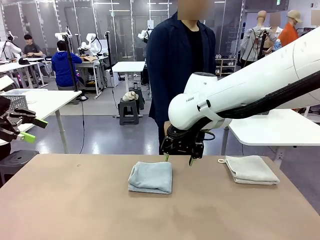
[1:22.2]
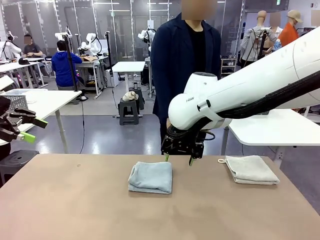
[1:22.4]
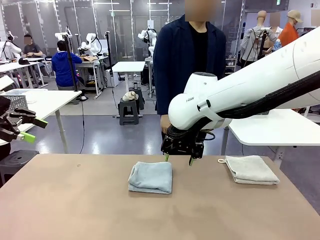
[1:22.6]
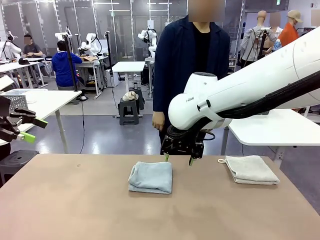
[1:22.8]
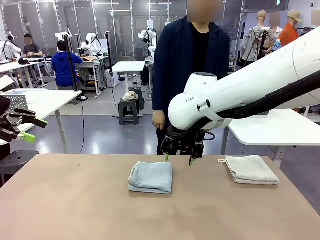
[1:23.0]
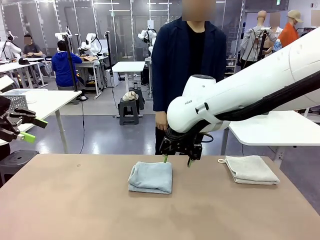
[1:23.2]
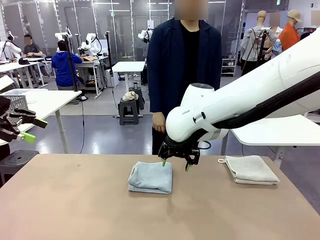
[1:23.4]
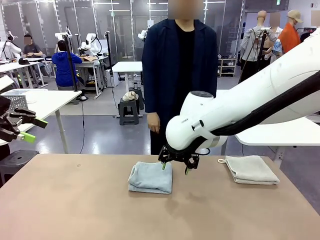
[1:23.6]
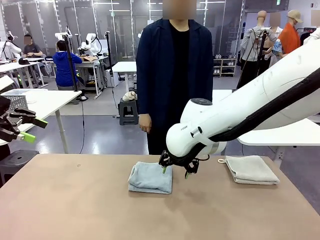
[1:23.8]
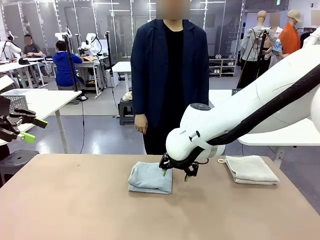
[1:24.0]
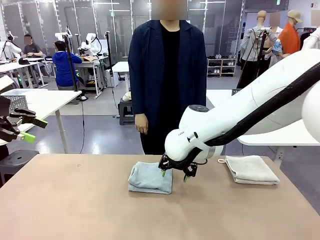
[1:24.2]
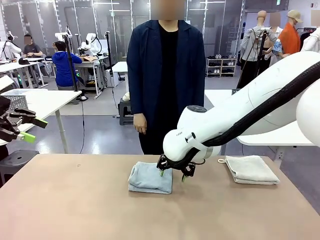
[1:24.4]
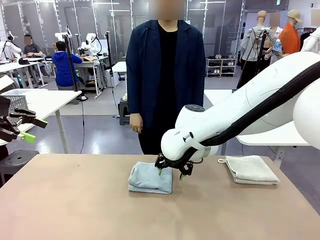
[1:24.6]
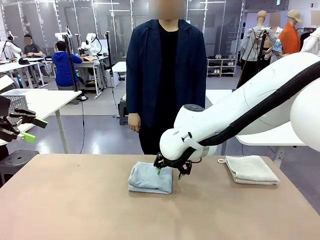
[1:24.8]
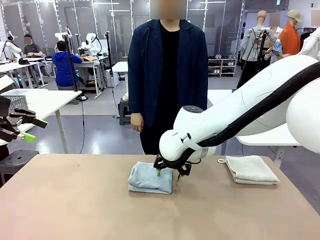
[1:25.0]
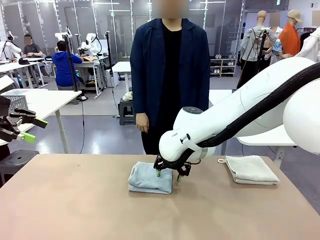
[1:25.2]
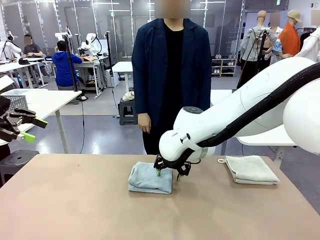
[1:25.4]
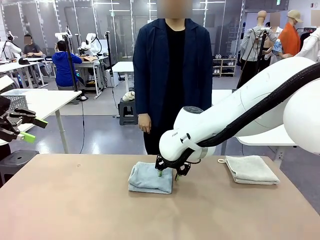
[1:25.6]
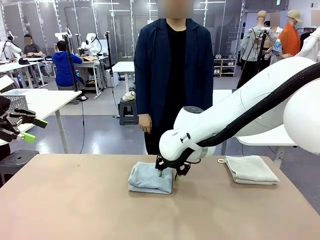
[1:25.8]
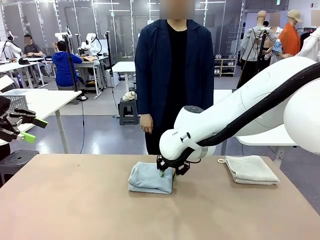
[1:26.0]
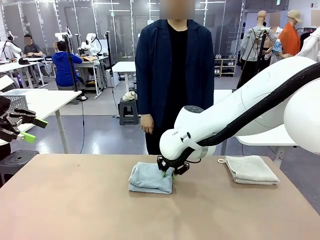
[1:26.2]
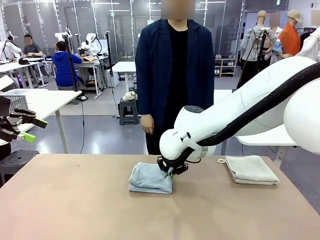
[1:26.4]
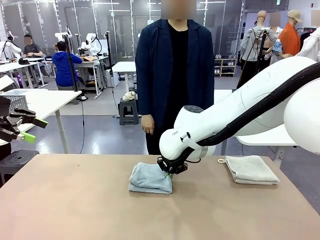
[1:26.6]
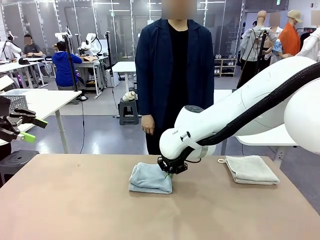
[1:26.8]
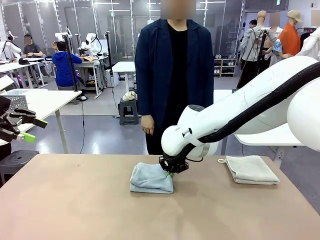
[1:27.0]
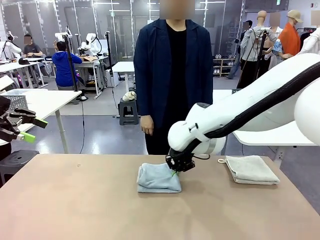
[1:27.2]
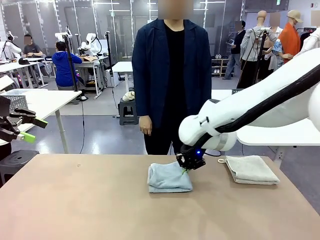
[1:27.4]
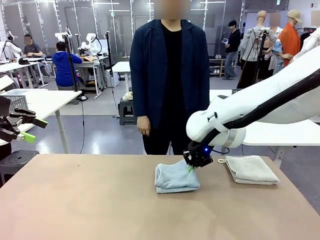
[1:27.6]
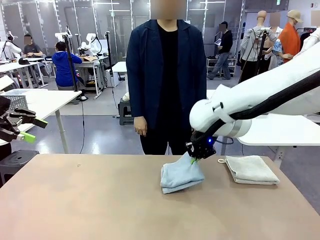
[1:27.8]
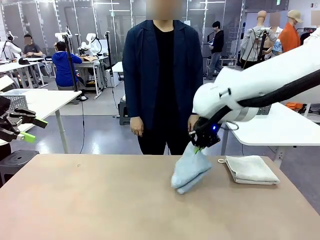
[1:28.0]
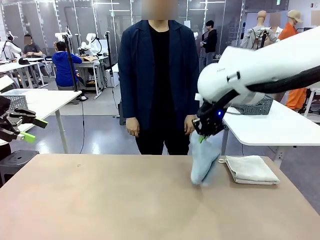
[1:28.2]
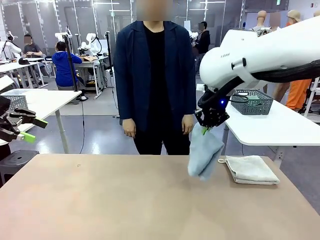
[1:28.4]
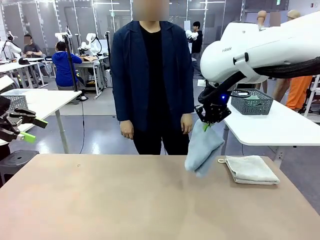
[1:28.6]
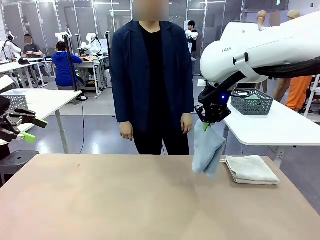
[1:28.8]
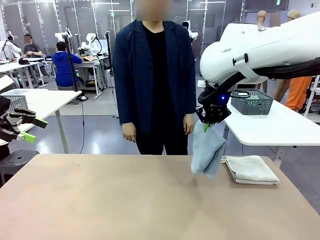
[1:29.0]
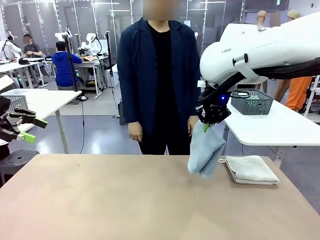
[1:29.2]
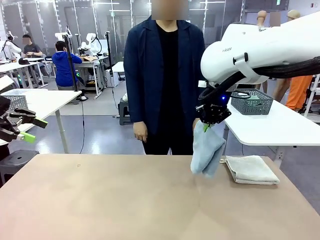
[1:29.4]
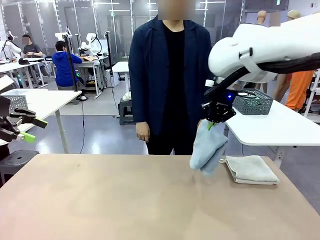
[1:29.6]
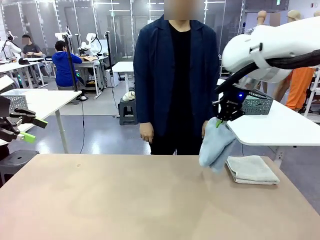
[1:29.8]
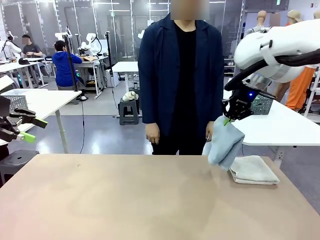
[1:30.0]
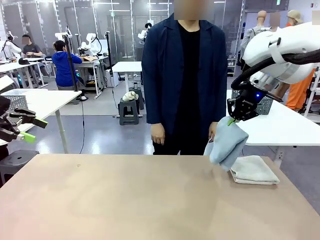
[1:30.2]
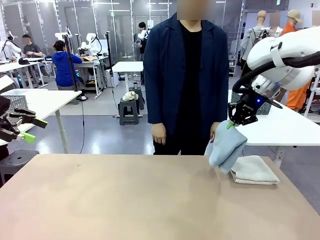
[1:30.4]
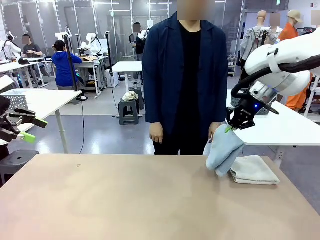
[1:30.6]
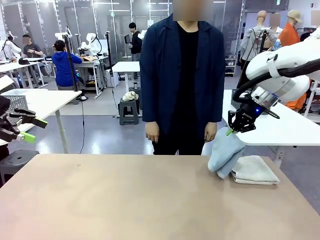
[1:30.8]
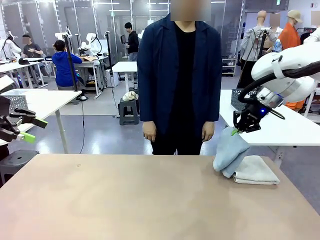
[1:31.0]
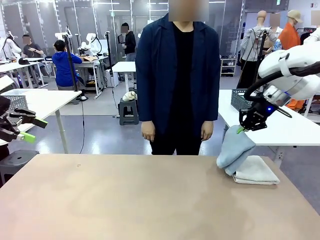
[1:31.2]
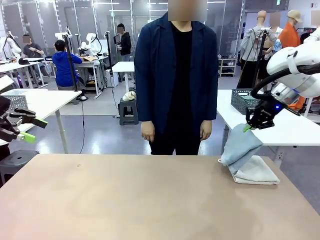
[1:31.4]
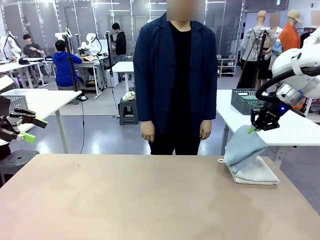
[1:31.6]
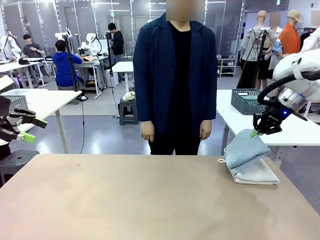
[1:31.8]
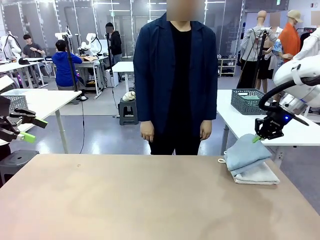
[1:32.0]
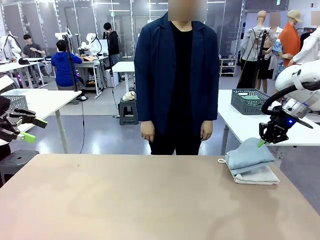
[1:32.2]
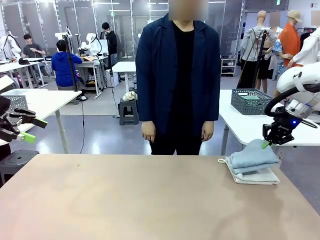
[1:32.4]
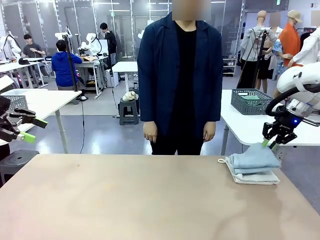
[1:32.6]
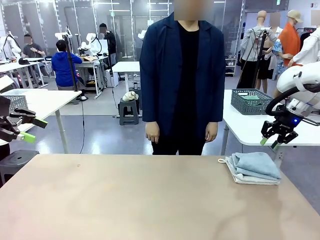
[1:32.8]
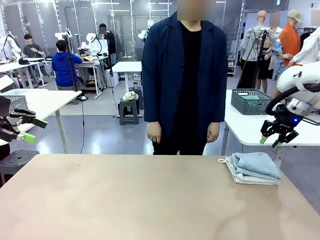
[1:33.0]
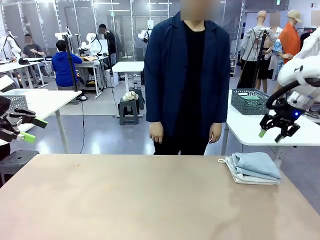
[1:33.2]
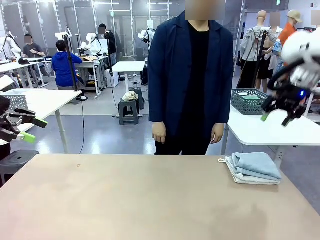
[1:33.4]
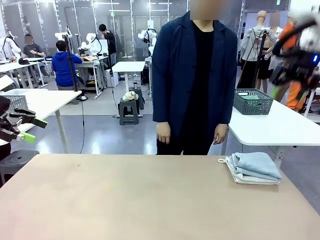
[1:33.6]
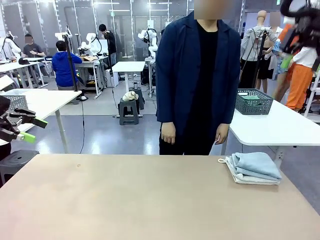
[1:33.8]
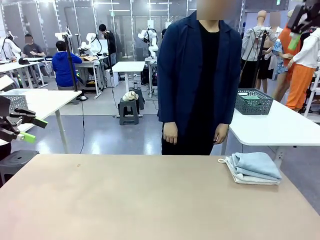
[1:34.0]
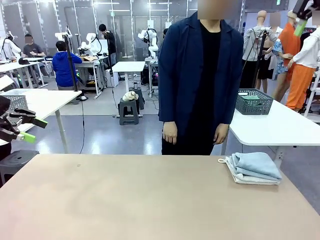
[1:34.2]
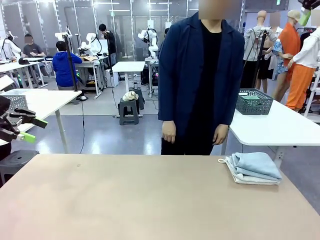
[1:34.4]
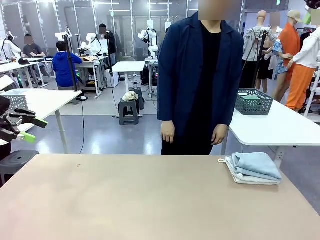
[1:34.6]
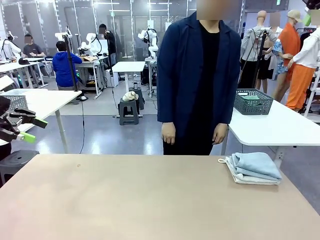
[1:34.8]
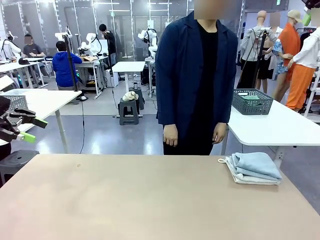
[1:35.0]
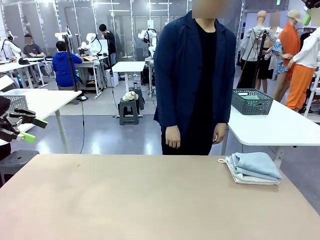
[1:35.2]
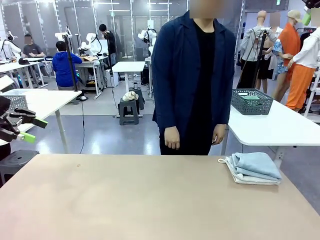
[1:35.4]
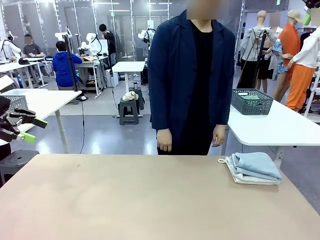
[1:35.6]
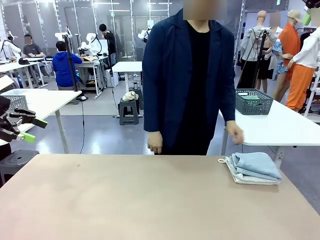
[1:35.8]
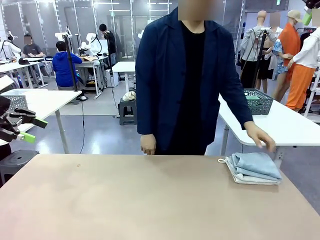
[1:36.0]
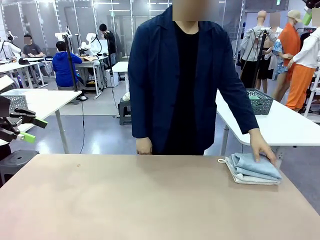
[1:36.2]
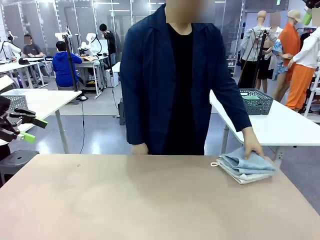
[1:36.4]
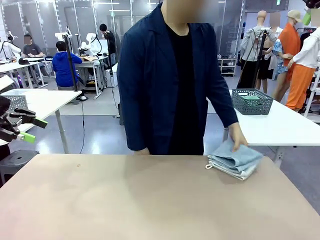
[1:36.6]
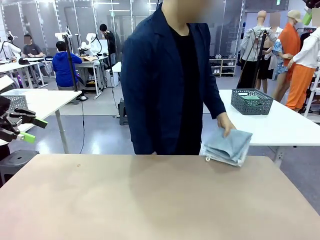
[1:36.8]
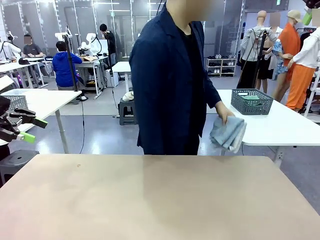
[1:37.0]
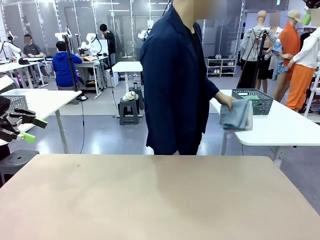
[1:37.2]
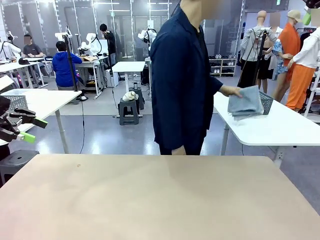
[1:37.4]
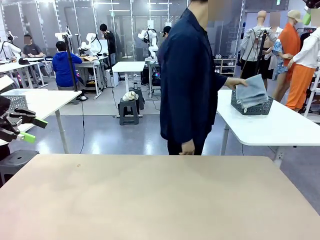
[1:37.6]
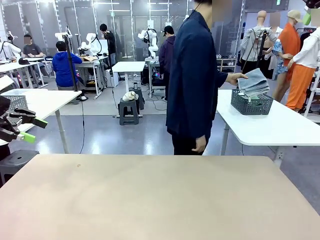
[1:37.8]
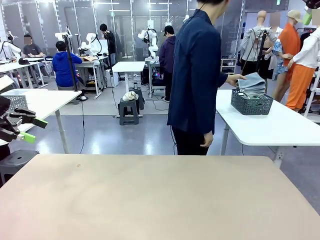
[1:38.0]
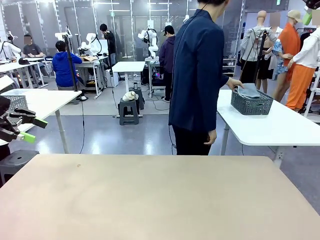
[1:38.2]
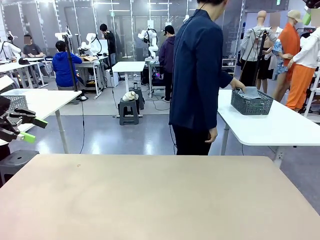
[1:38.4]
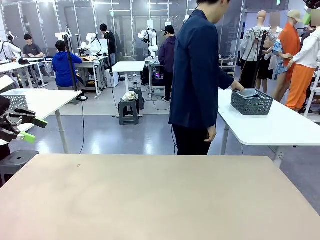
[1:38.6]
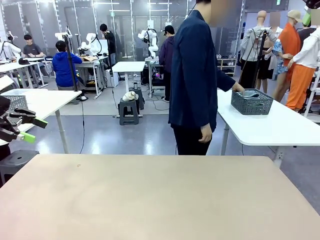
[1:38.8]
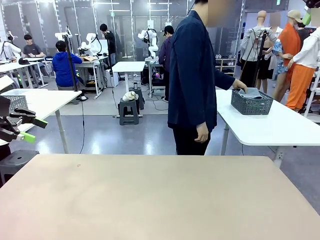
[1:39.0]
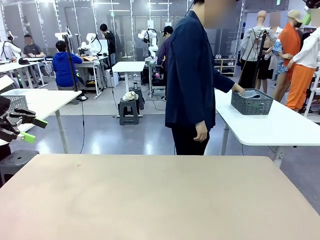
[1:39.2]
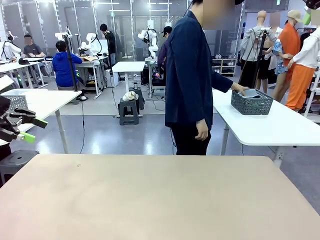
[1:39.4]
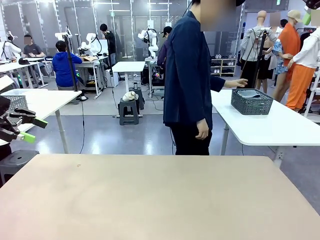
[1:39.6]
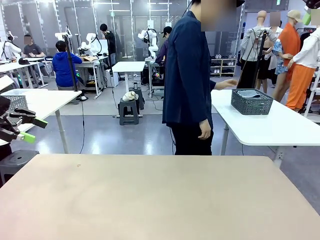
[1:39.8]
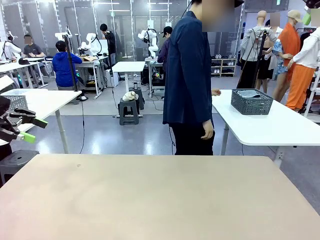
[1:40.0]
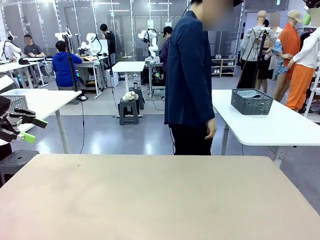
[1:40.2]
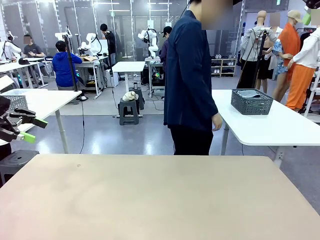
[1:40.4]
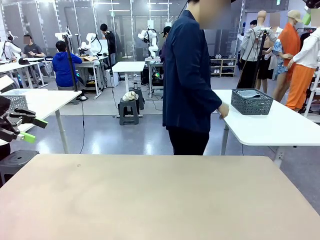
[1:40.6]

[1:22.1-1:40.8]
Task: Fold the towels and place them in the basket.
Robot: Stack the folded Towel with hook on the right side of the table.
Person: Pick up the stack of towels from the robot table and place it into the basket.
